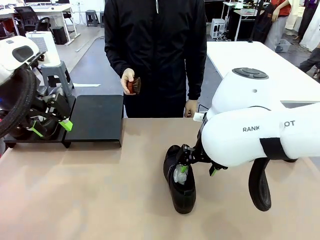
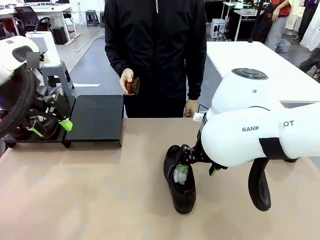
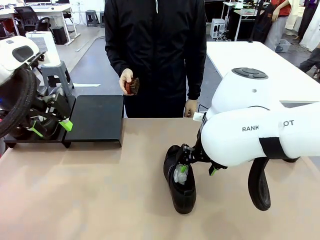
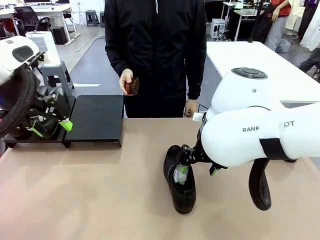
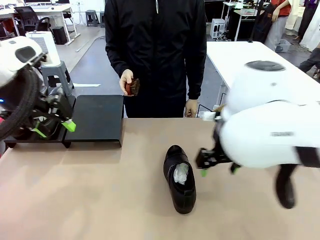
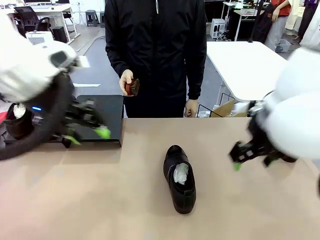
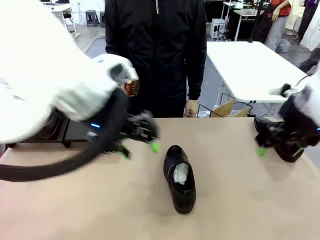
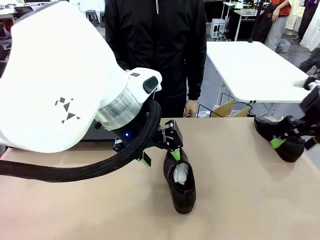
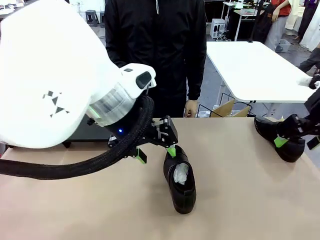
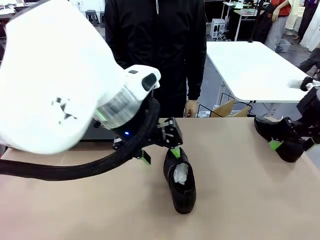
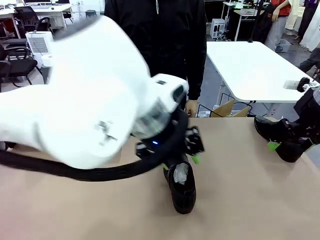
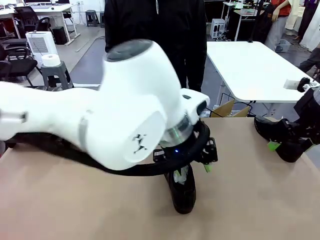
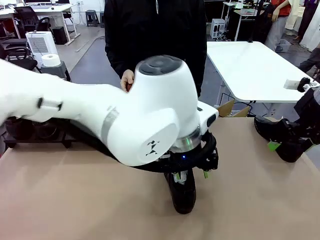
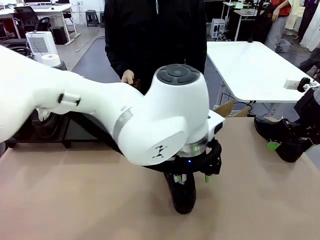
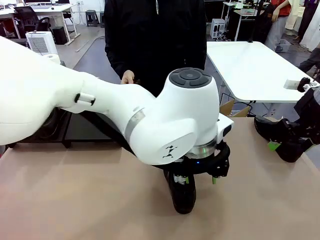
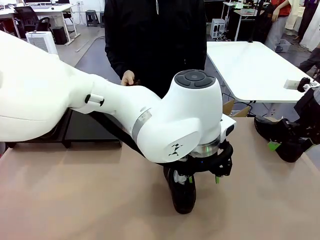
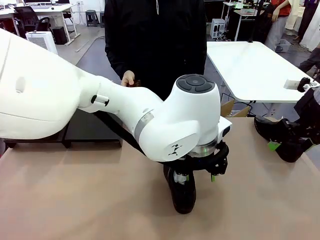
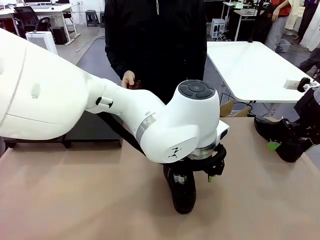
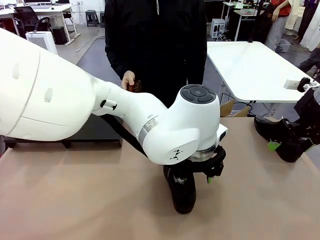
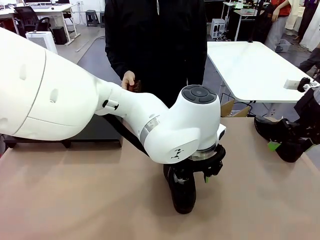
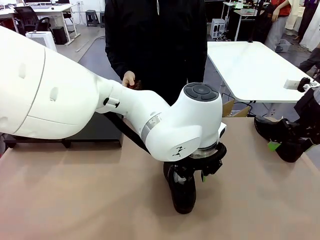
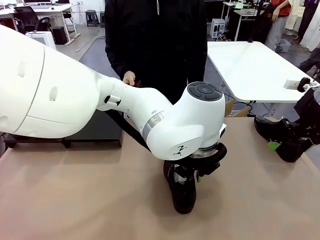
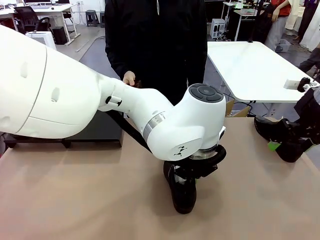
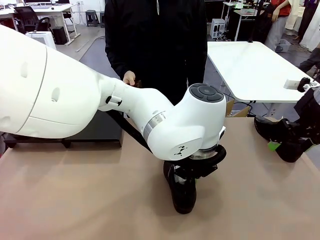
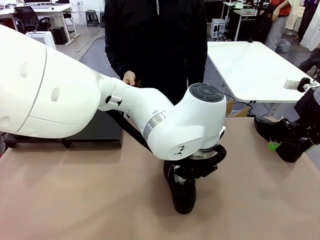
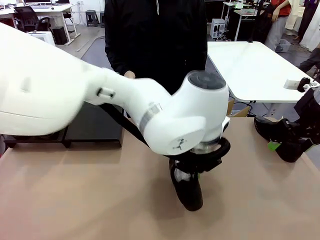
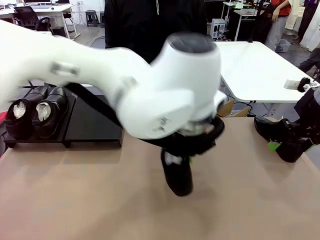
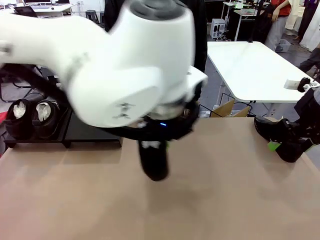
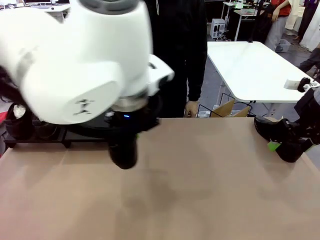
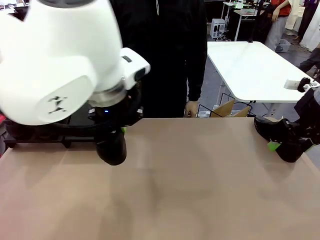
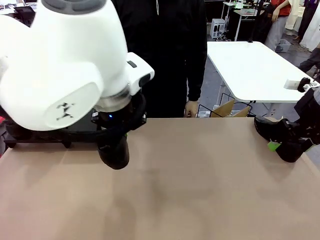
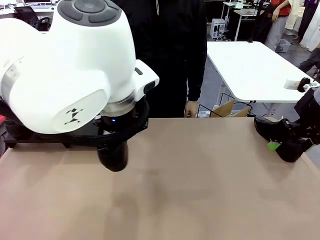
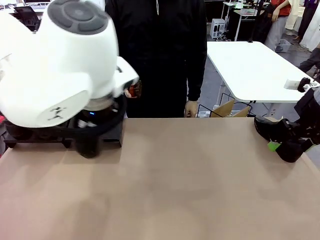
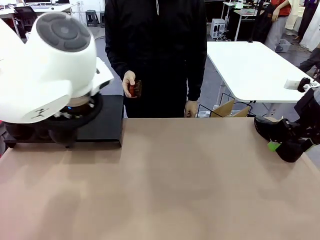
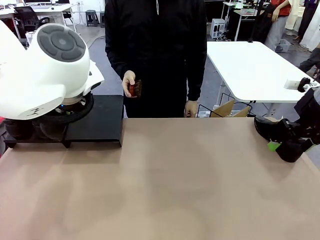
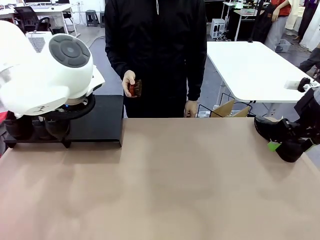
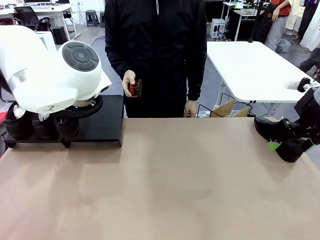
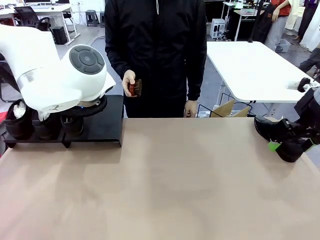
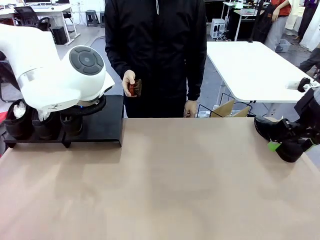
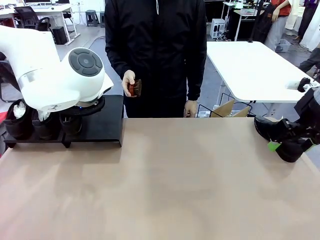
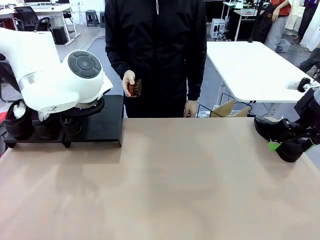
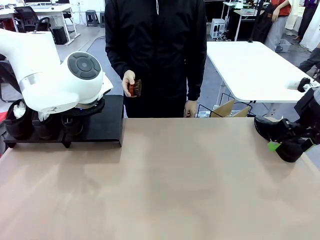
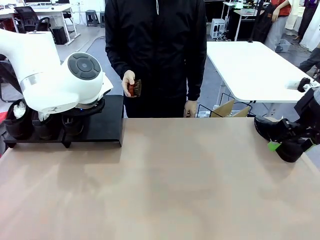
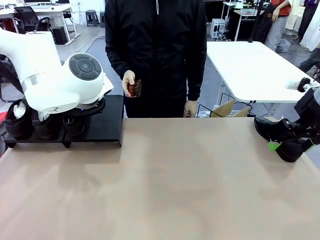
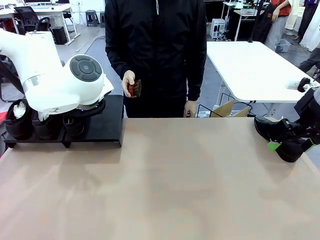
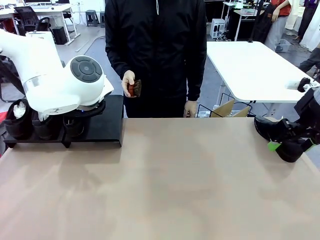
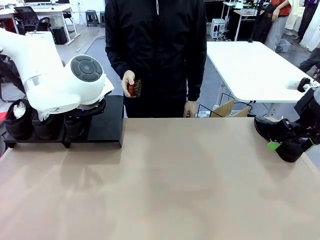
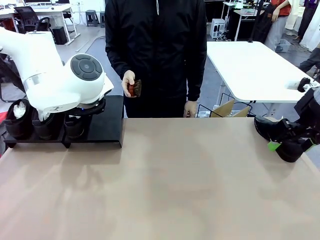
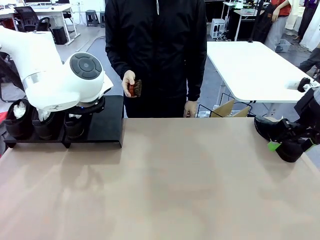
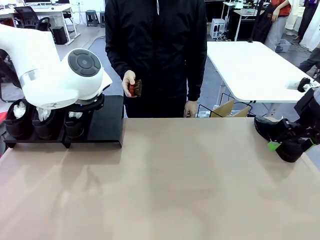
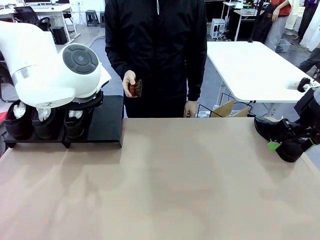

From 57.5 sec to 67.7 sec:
Task: Organize the shoes by placing them on the stand.
Robot: Place the Shoe from the middle of the table onto the Shoes Stand.

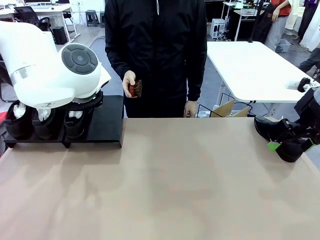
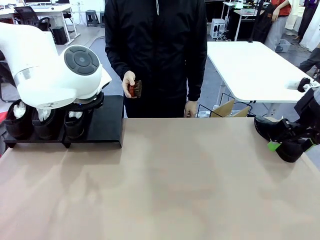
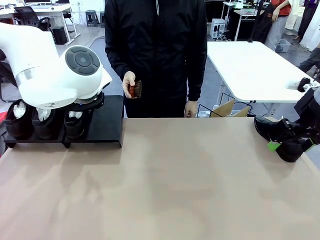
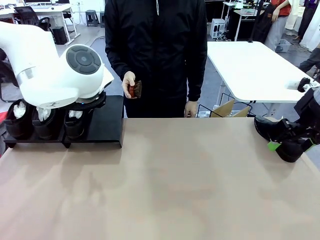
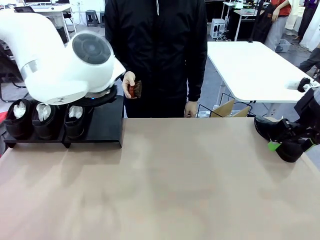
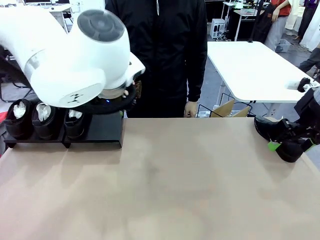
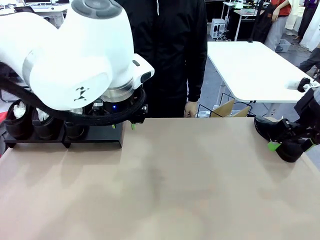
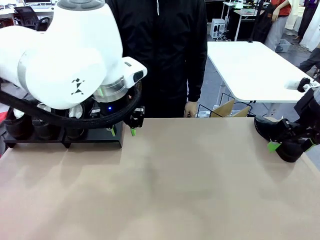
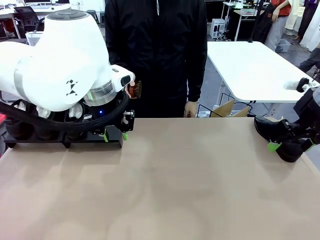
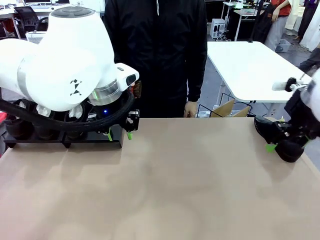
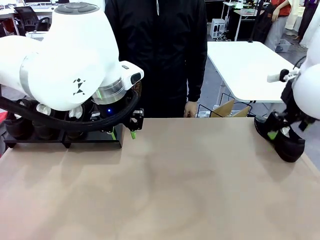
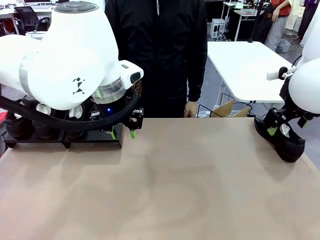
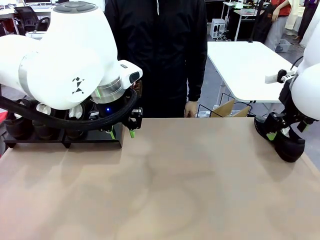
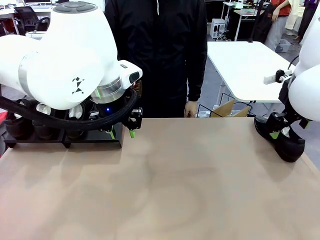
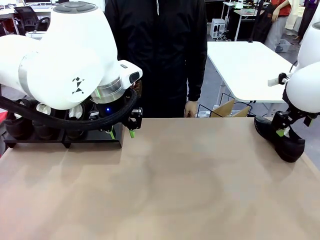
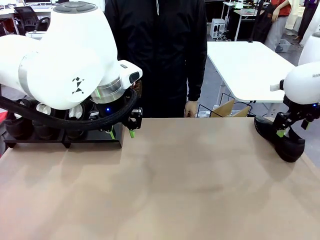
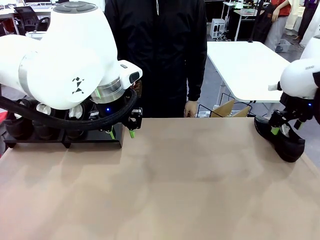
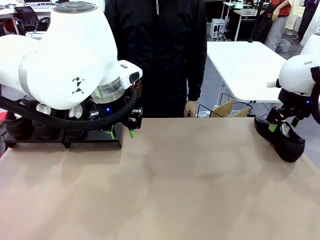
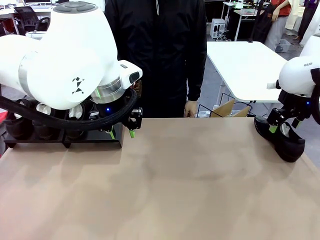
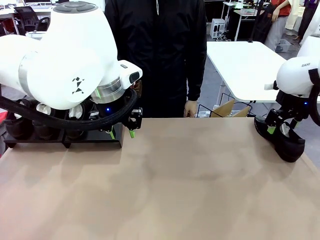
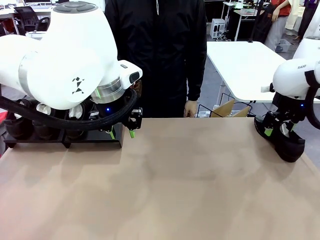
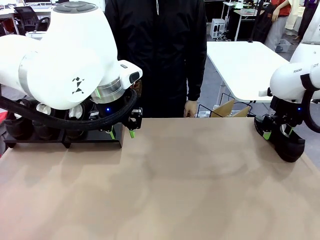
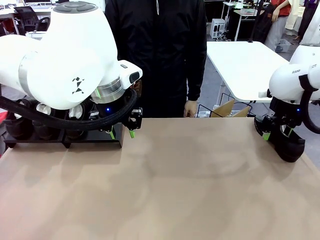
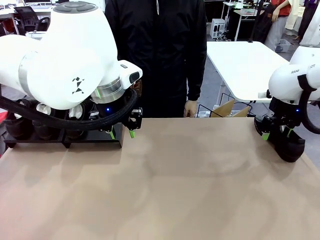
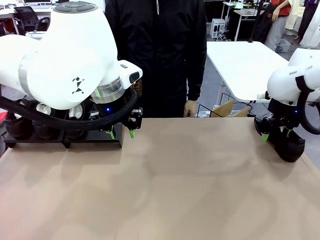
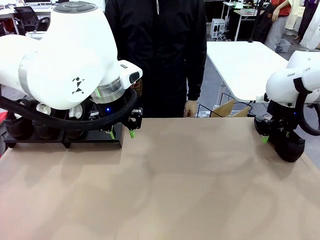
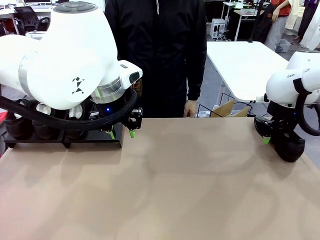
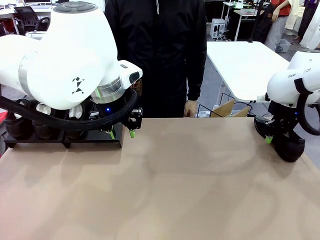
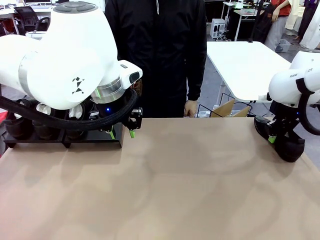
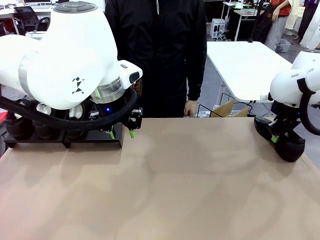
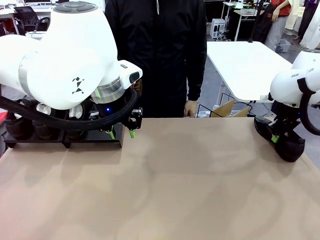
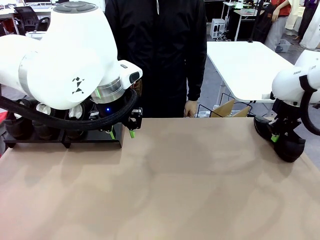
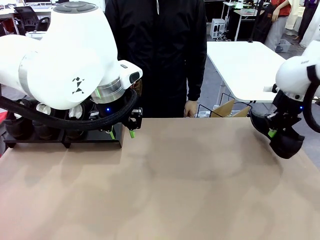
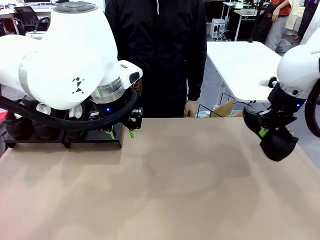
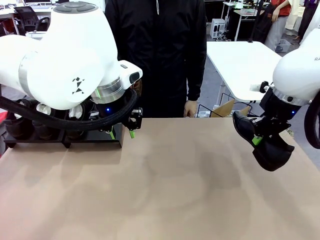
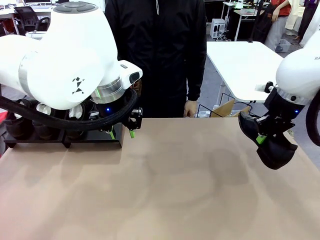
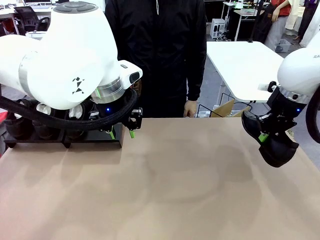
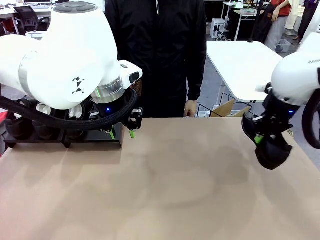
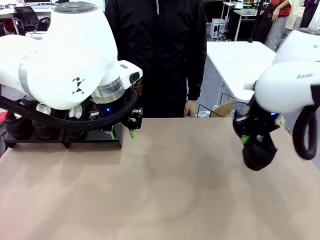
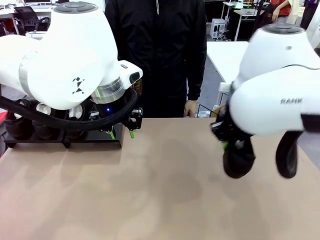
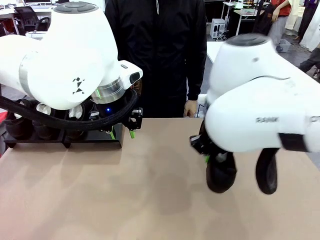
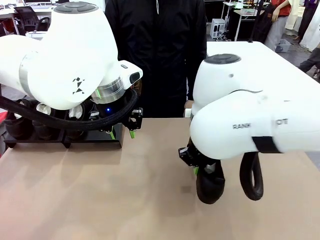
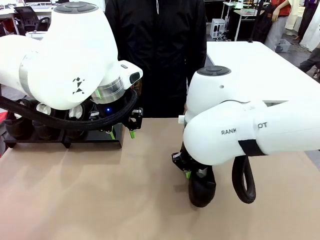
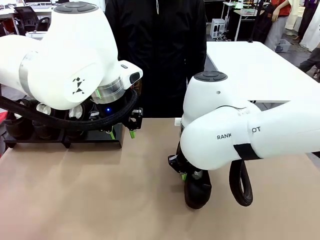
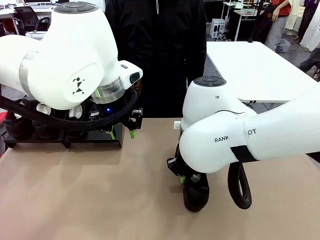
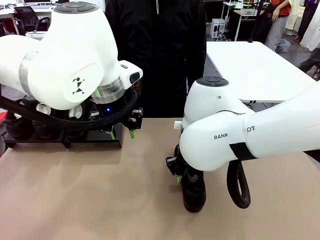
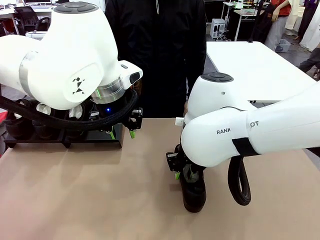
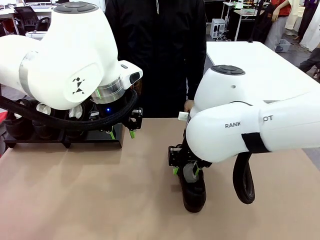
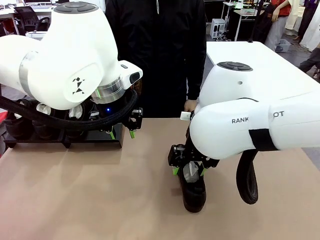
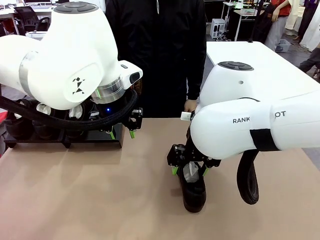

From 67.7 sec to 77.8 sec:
Robot: Pick up one Shoe and place it in the middle of the table.
